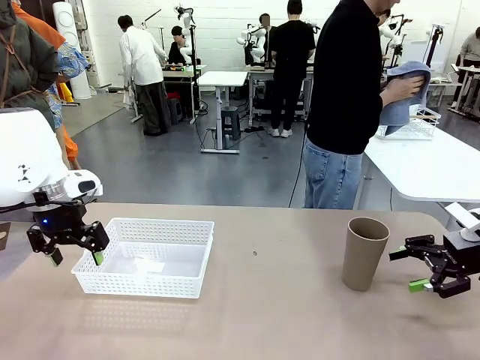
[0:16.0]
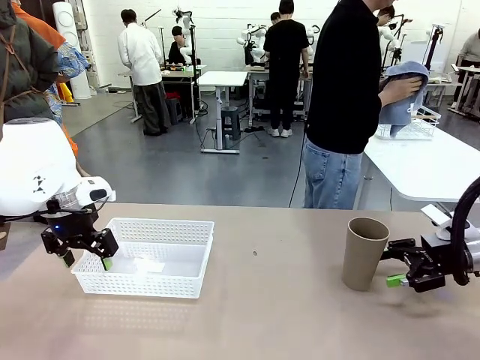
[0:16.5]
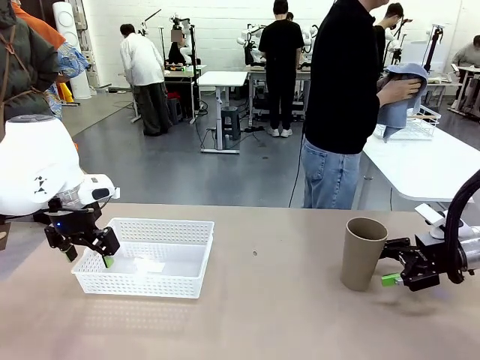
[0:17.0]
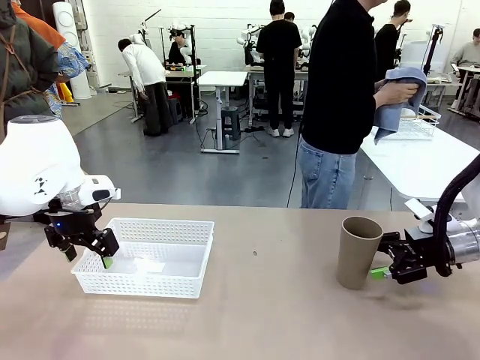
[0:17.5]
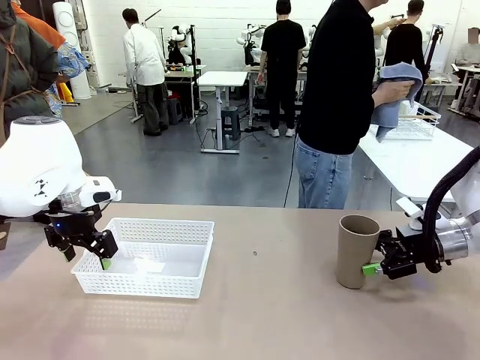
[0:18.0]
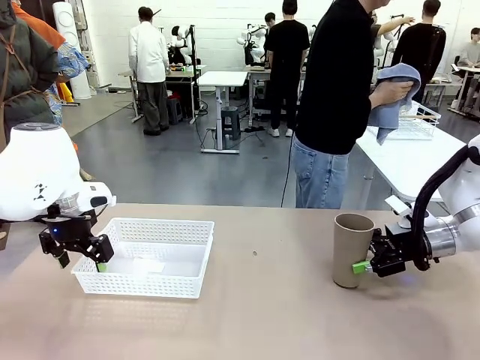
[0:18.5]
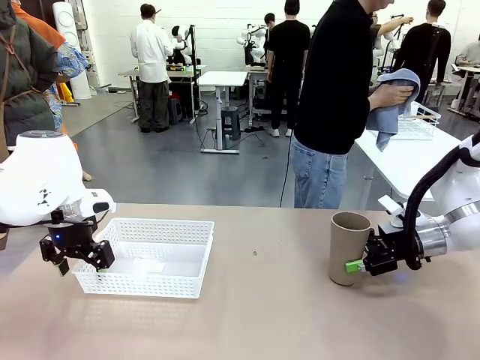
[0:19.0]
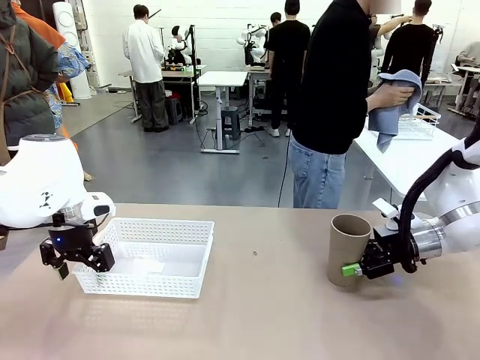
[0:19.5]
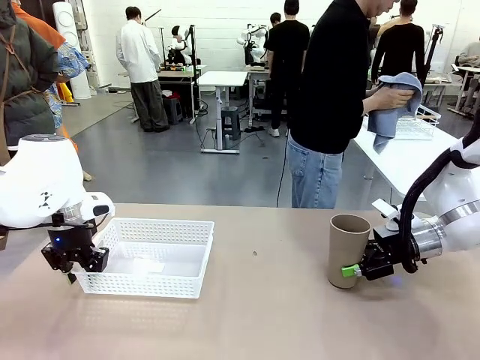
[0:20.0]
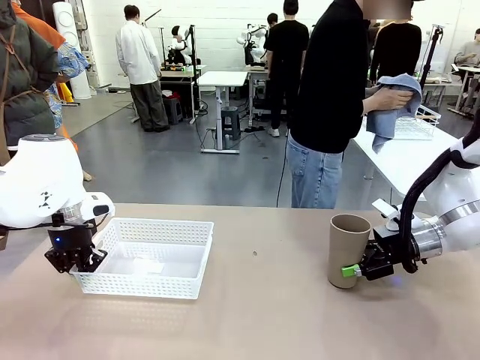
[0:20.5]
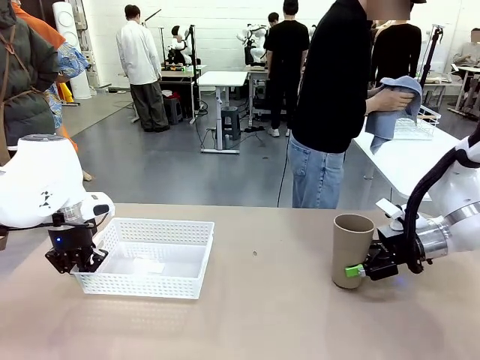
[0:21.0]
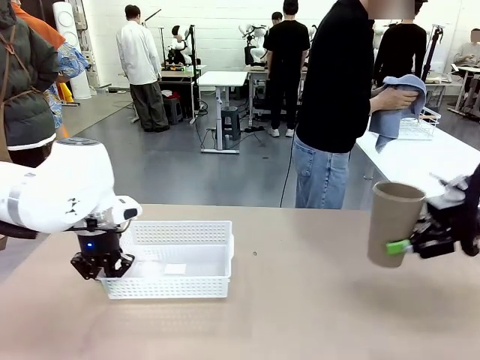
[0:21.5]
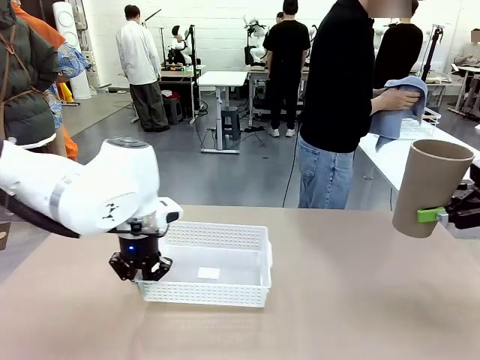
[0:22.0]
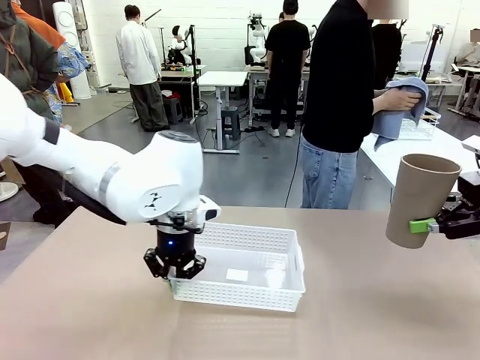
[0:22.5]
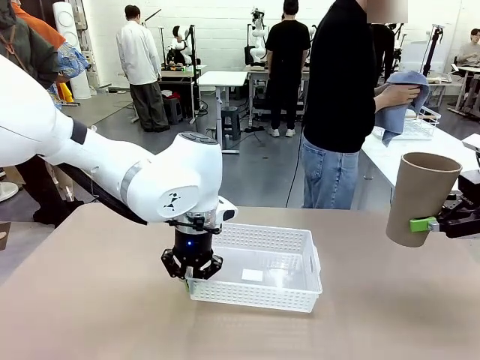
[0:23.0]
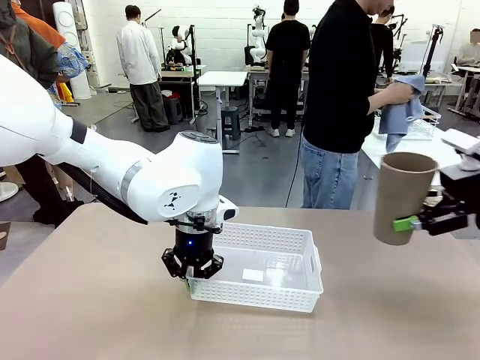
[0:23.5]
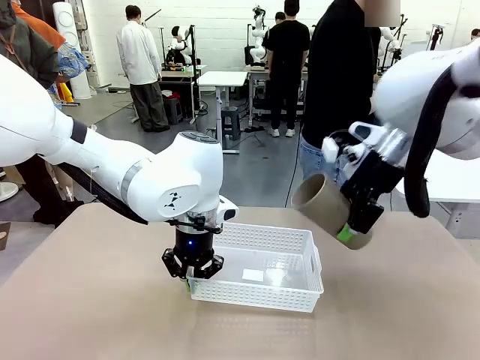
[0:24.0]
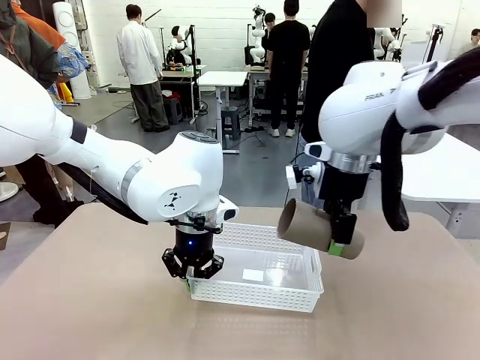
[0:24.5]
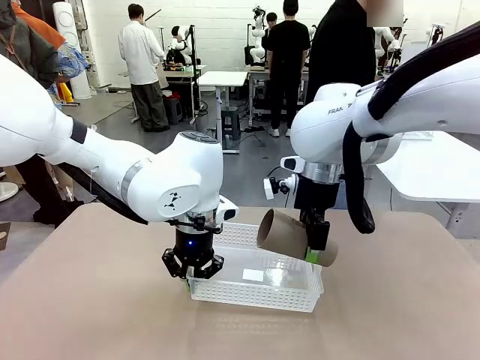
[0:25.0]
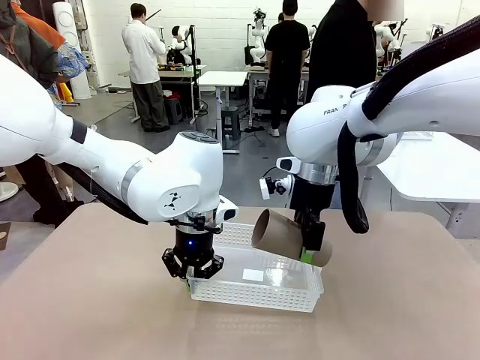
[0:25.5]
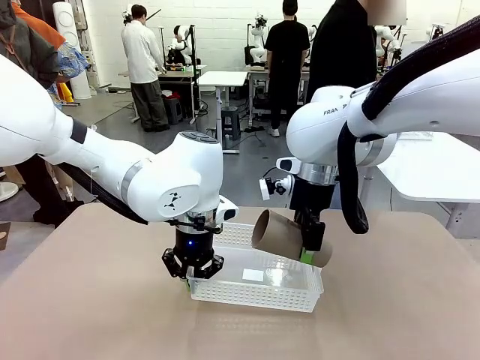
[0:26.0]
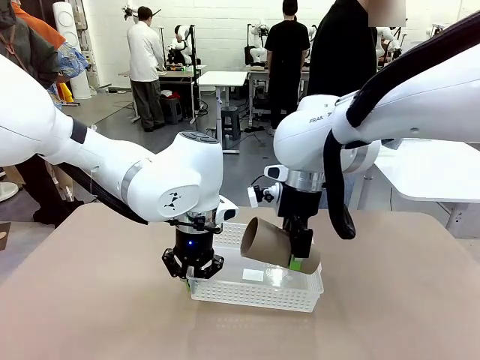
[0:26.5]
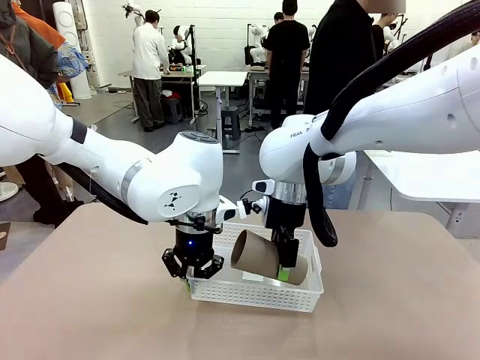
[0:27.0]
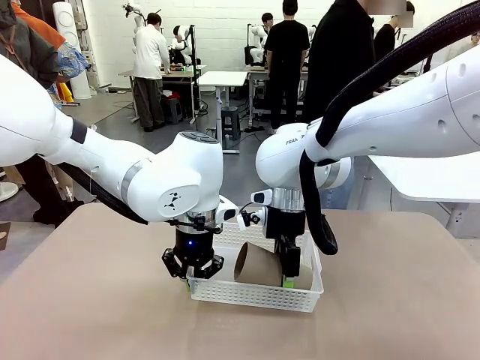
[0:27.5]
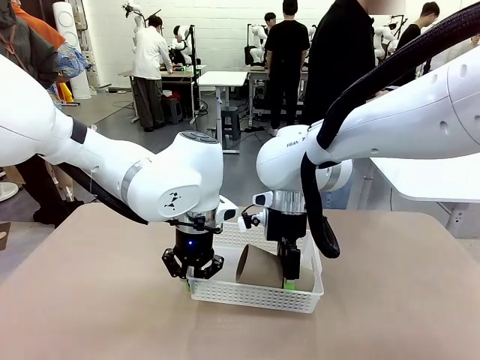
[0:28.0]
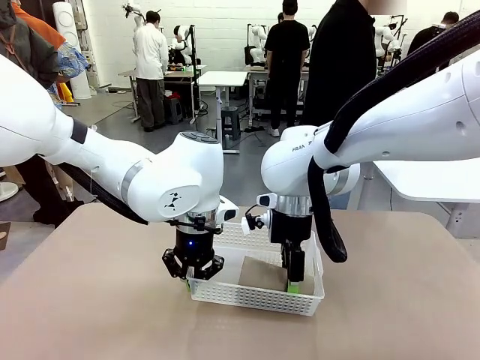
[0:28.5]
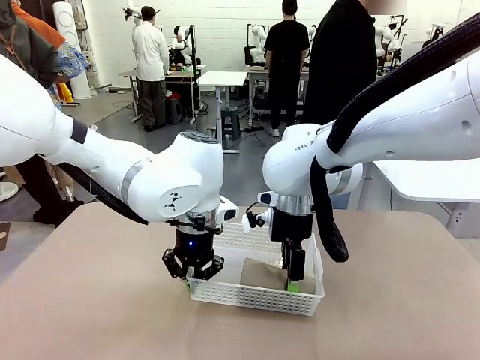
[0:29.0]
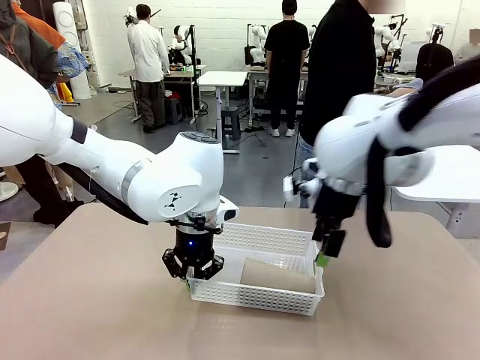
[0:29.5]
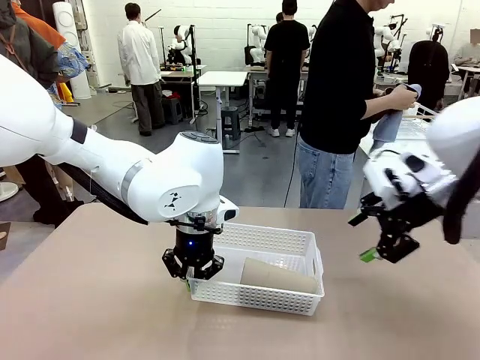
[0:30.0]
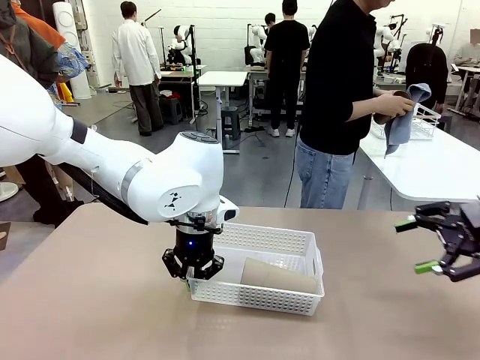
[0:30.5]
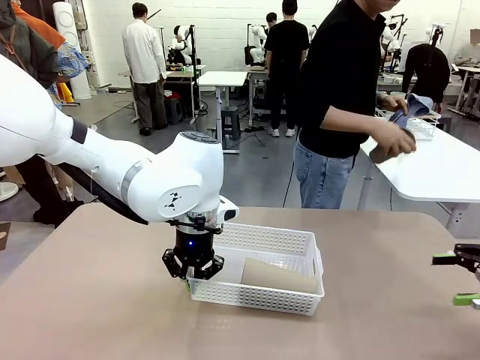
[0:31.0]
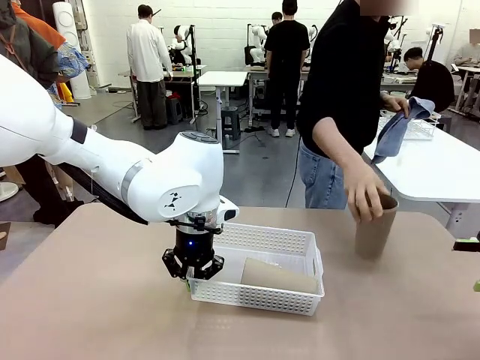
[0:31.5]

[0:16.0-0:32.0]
Task: Clean and organize the cups into the basket.
Robot: Pick up the Organizing basket and move it to the center of the table, then pick up the Reusable plastic cup from the right side of the table and place it inside the Organizing basket.
